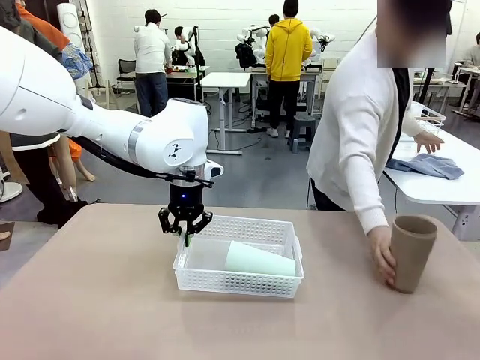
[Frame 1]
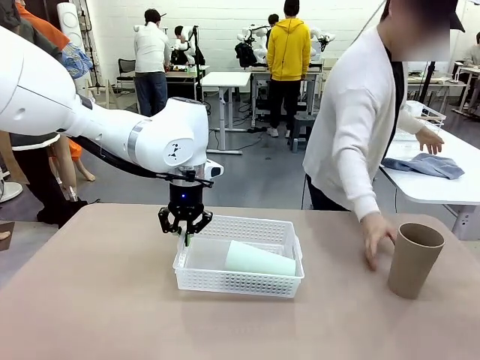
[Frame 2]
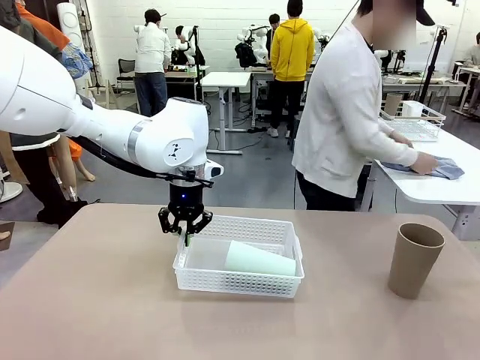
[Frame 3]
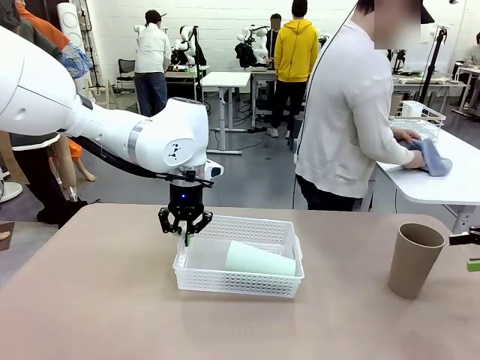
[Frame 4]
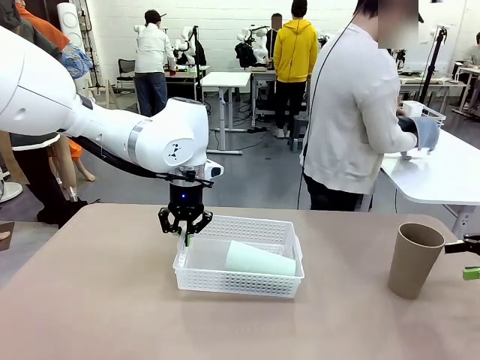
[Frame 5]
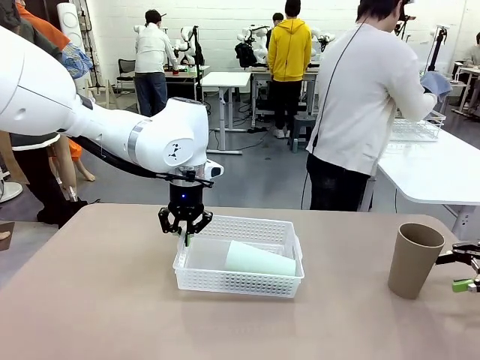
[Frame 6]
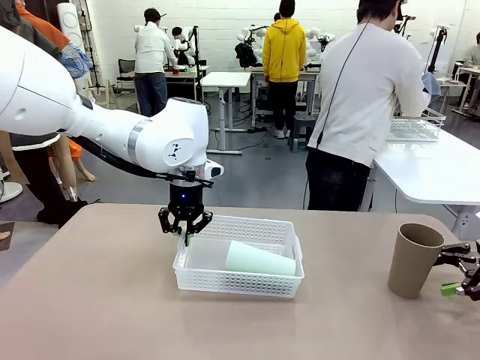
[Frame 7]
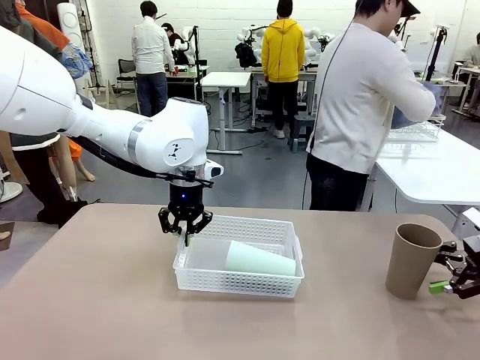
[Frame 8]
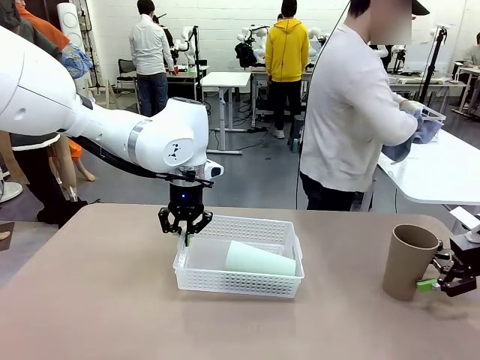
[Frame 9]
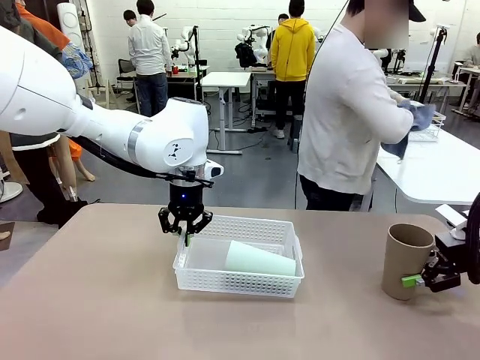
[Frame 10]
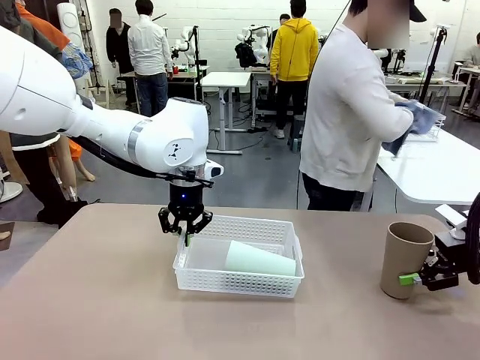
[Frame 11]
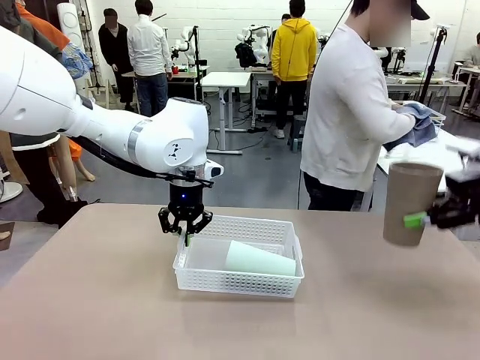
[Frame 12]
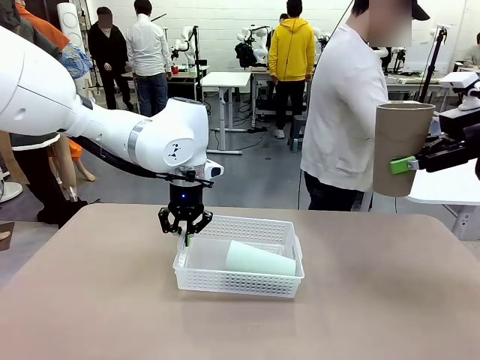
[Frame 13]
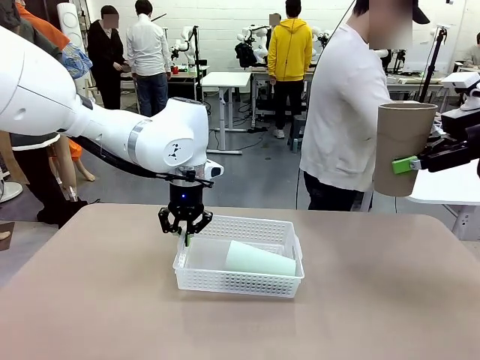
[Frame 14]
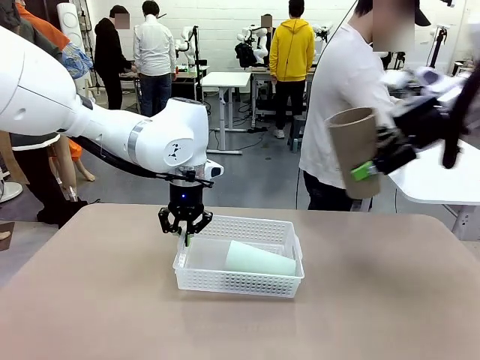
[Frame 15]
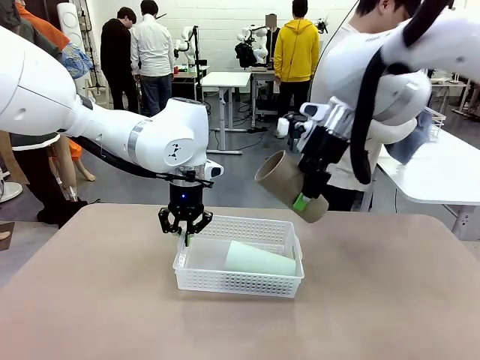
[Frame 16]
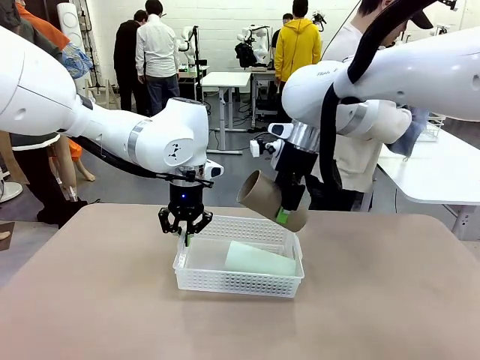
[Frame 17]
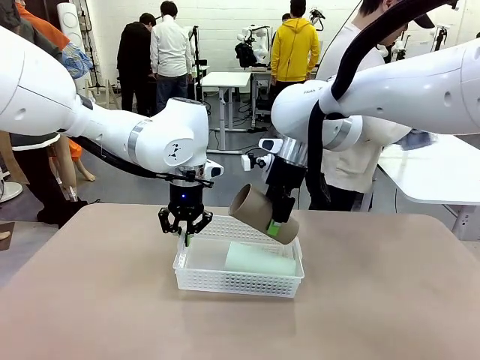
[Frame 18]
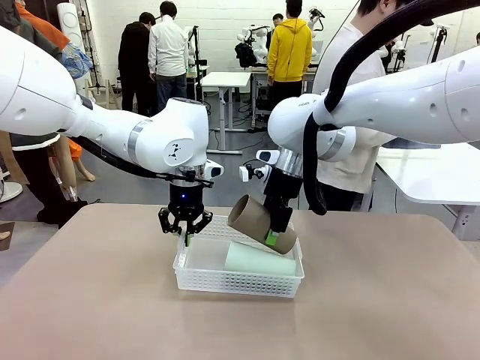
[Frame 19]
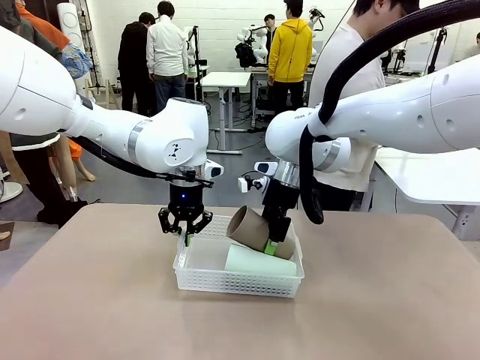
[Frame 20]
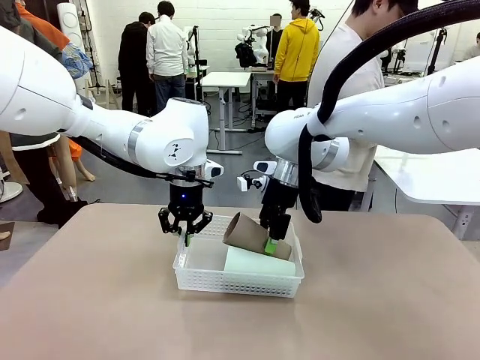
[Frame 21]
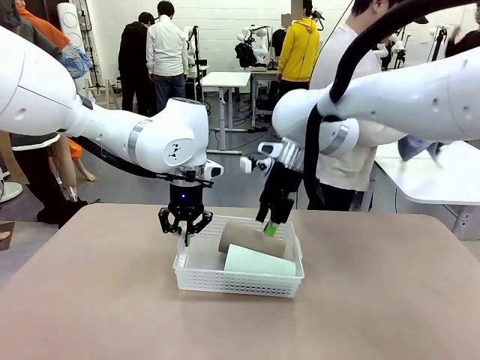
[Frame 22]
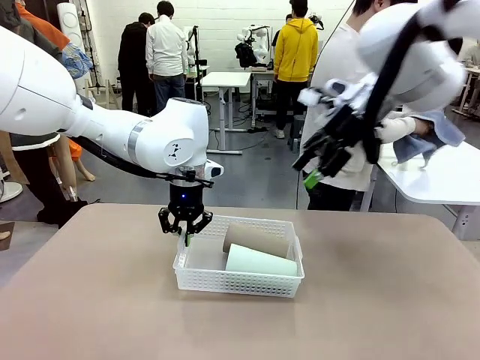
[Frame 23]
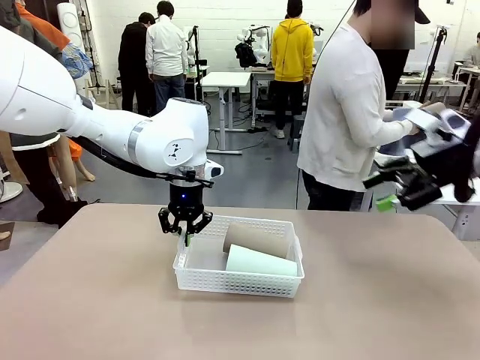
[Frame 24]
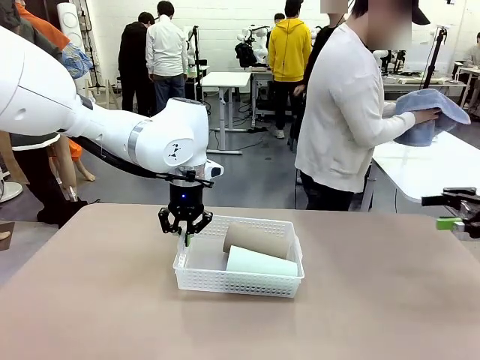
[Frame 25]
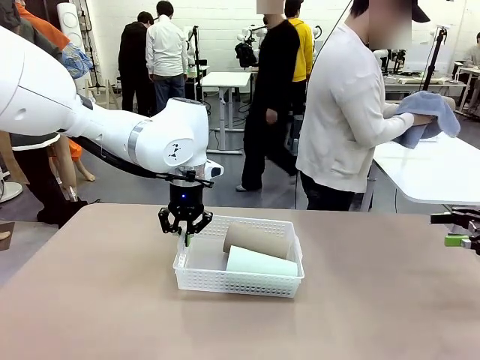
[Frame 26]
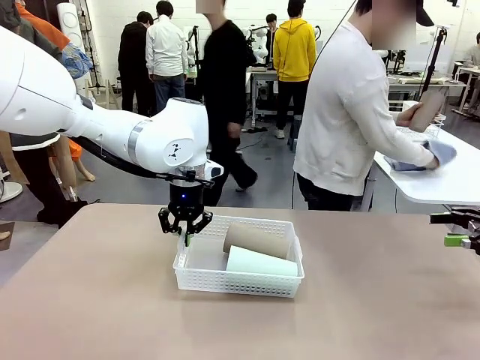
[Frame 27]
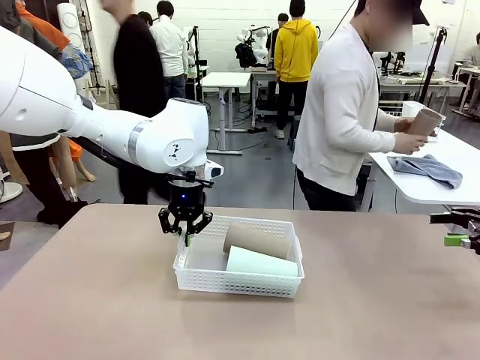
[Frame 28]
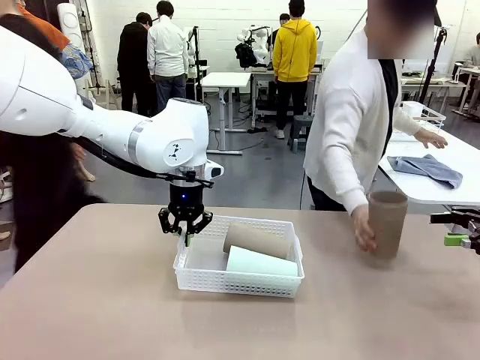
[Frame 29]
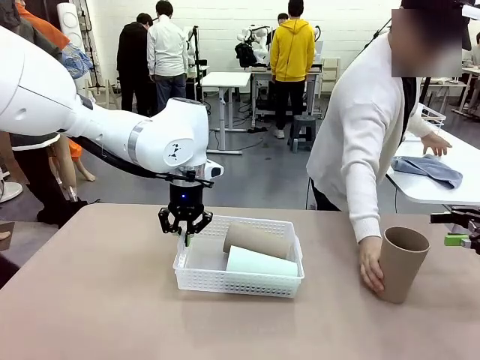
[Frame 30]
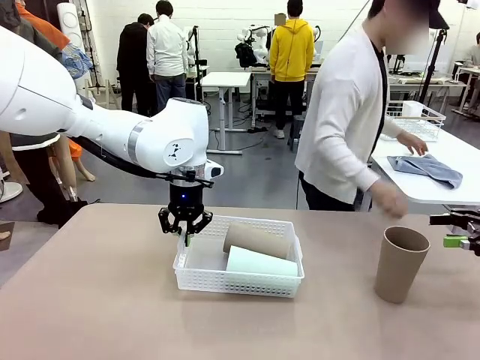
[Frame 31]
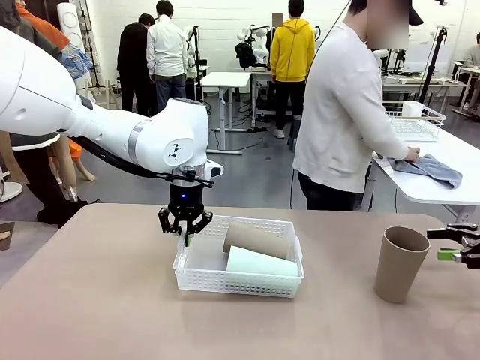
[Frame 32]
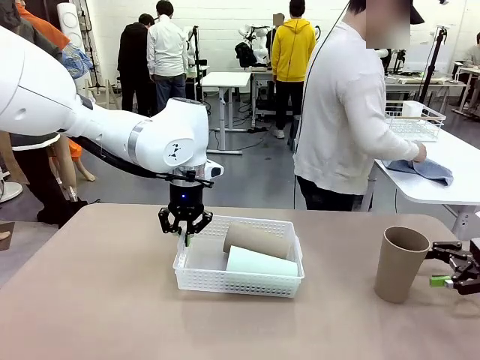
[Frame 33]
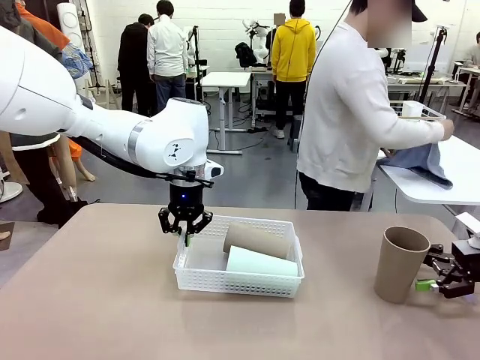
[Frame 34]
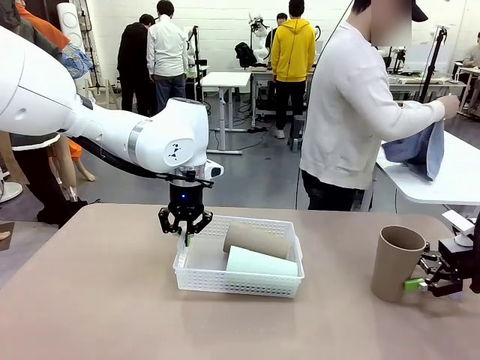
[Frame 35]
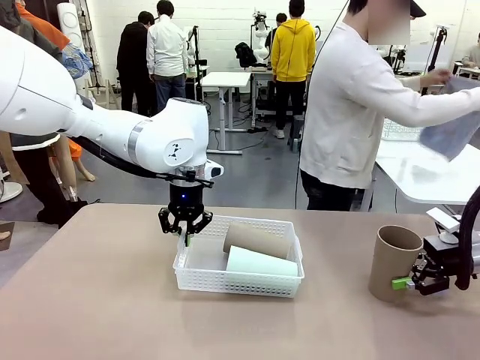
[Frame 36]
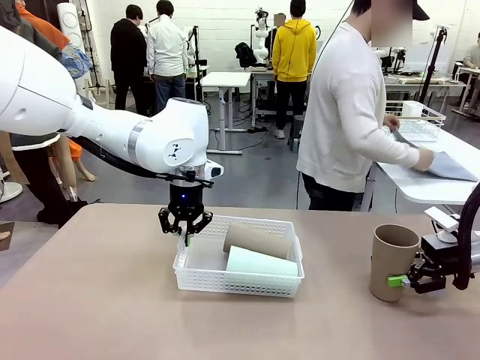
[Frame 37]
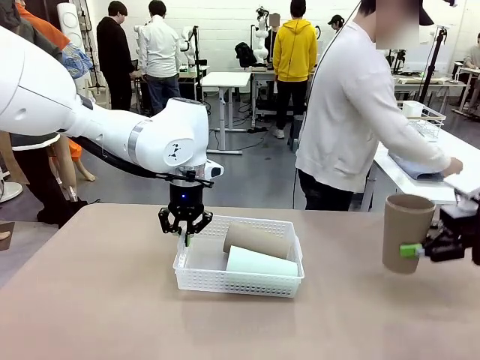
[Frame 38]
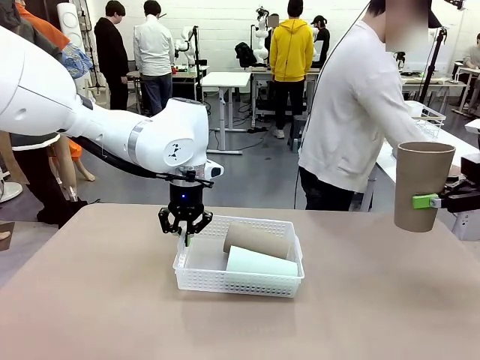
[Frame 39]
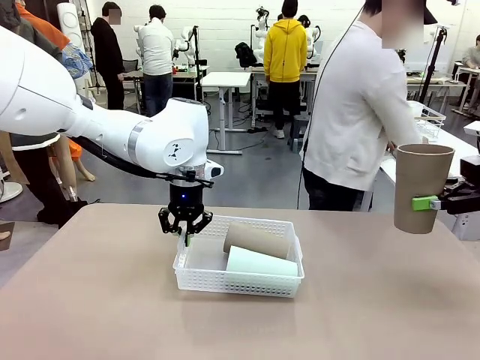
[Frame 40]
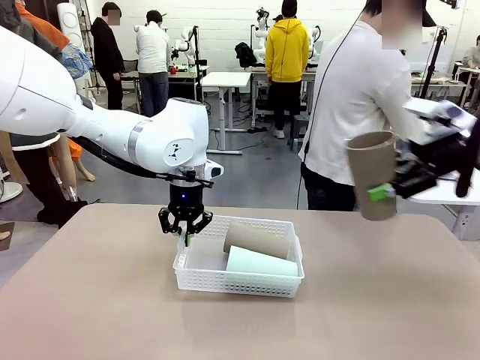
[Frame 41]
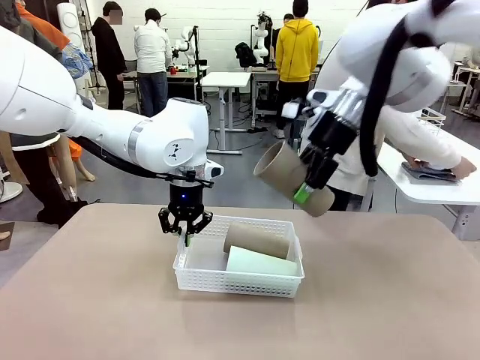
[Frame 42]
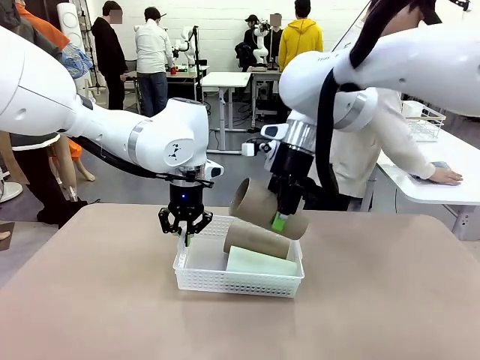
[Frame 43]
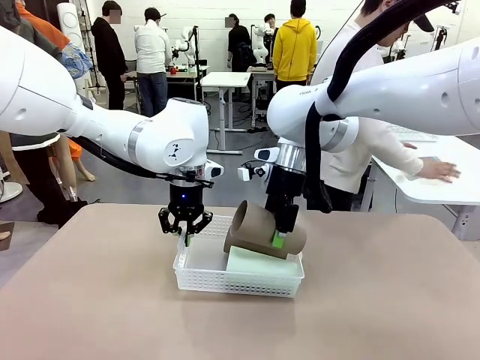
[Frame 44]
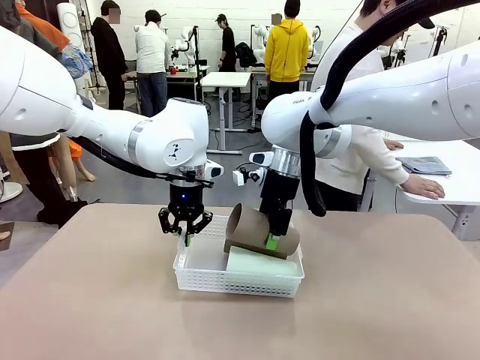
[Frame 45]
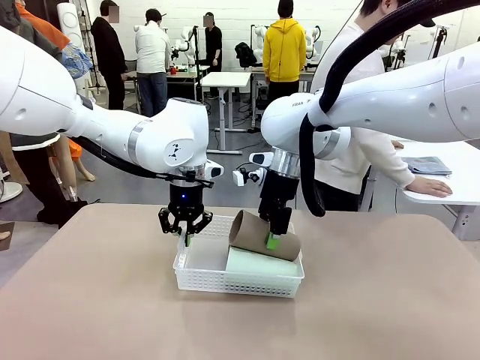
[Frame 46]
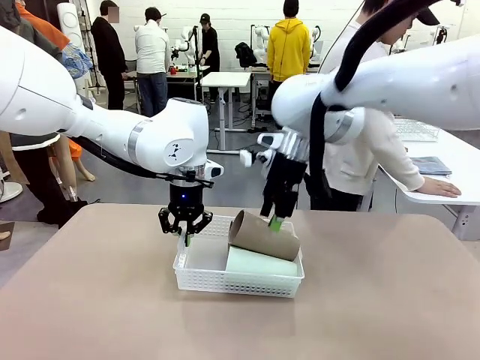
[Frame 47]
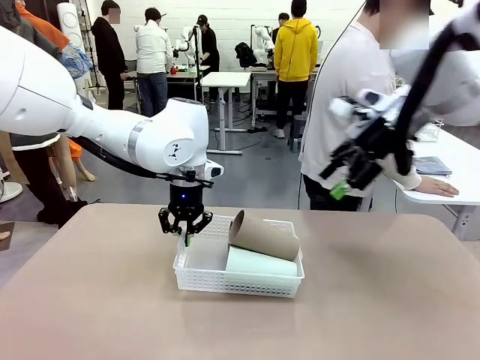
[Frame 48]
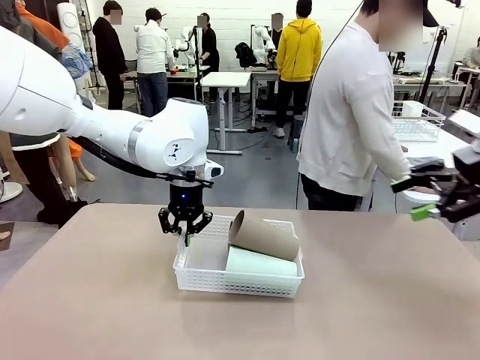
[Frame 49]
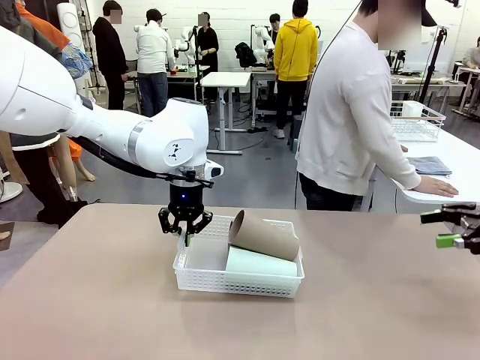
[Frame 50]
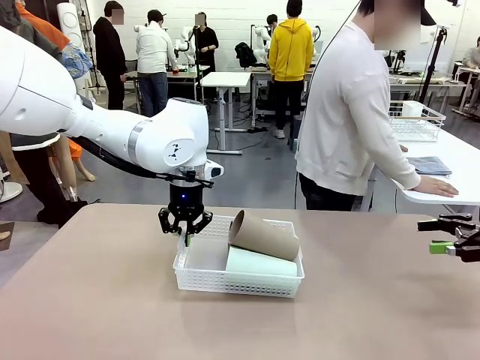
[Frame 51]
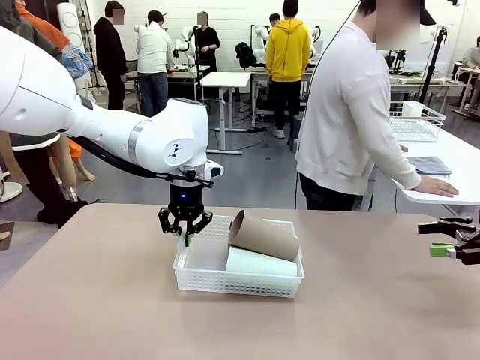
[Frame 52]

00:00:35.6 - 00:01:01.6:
Task: Clean and organize the cups into the basket.
Robot: Pick up the Reusable plastic cup from the right side of the table and stack it inside the Organizing basket in the center of the table.
